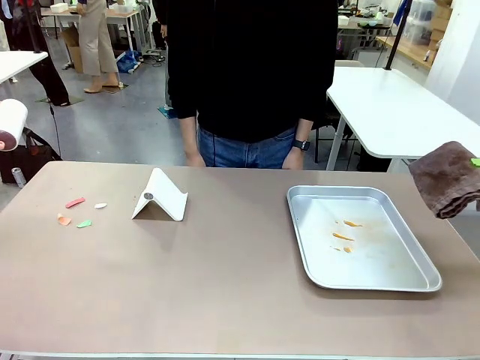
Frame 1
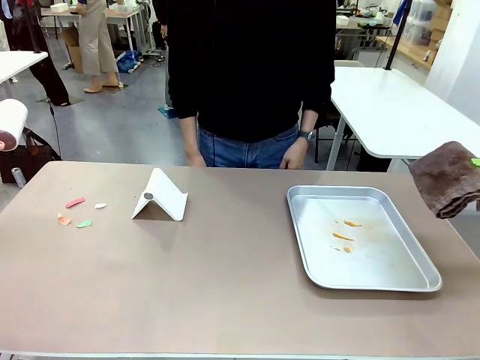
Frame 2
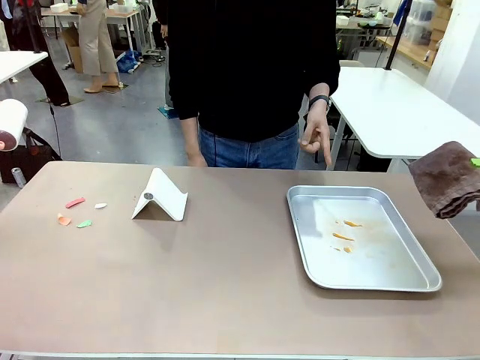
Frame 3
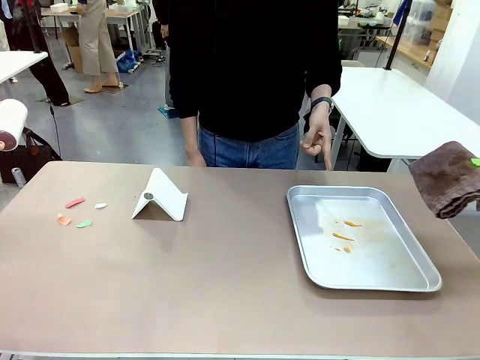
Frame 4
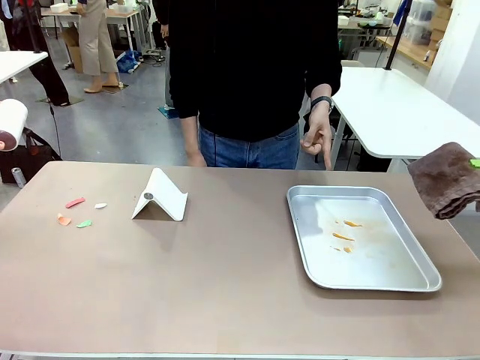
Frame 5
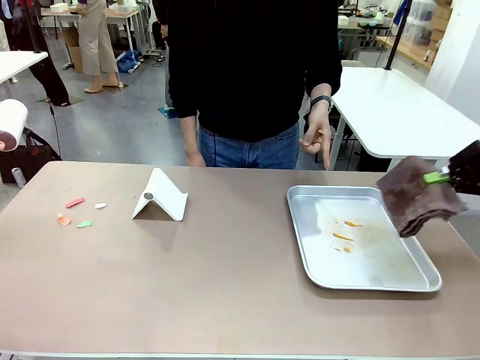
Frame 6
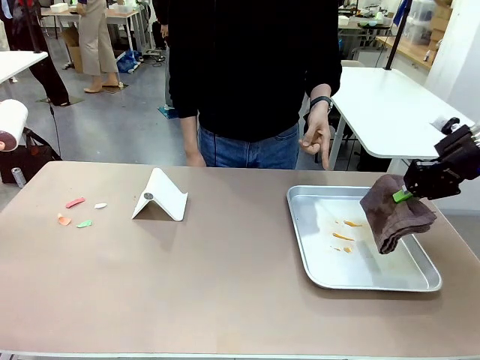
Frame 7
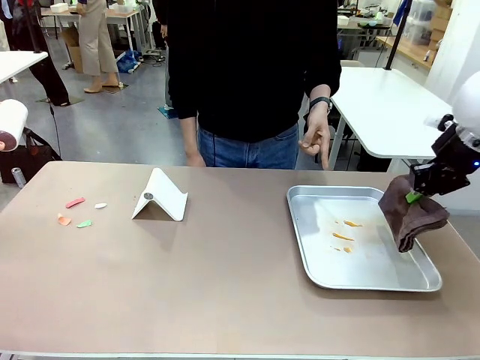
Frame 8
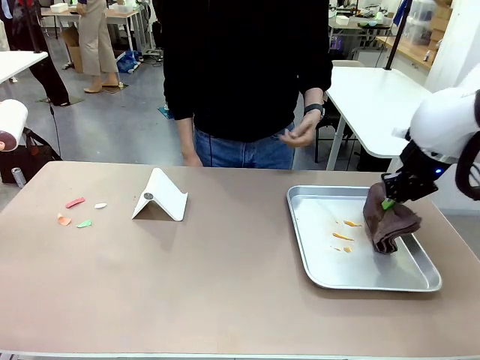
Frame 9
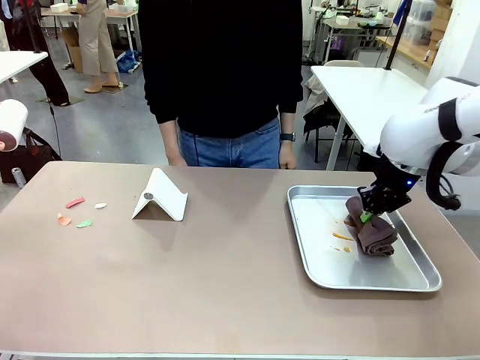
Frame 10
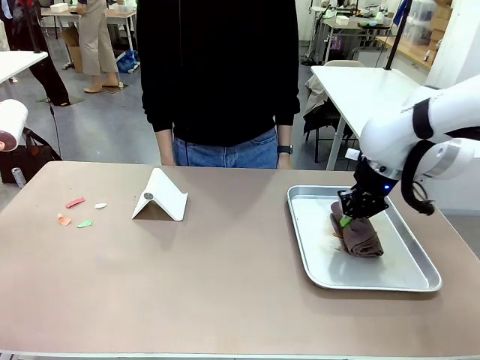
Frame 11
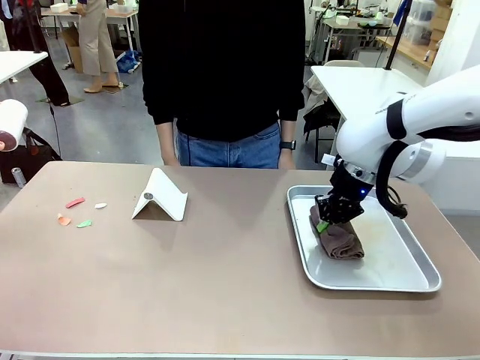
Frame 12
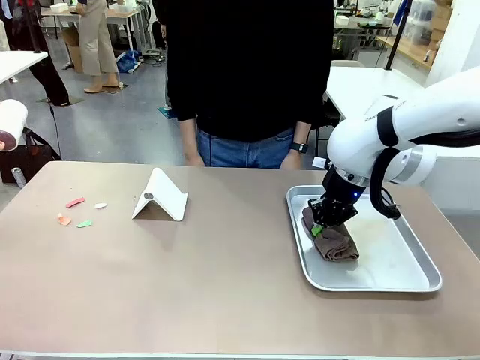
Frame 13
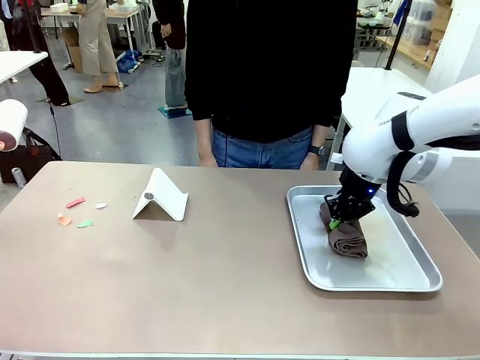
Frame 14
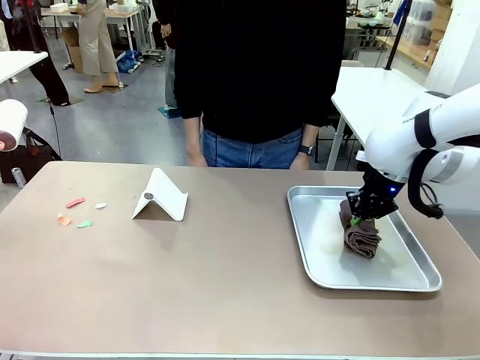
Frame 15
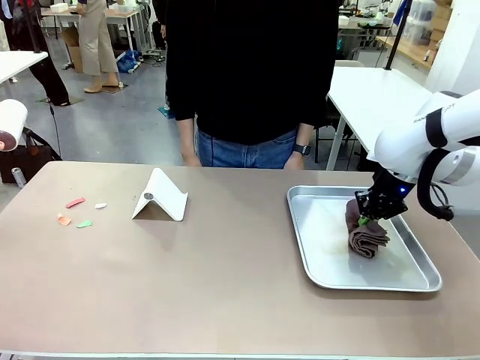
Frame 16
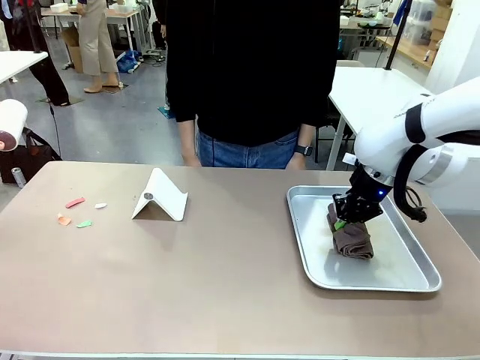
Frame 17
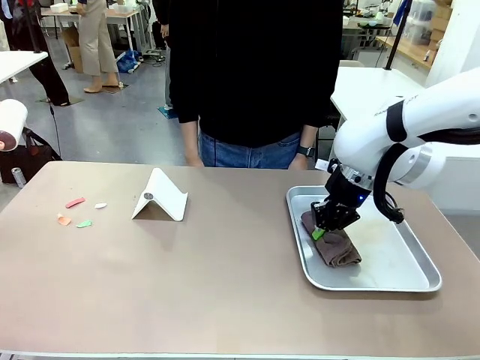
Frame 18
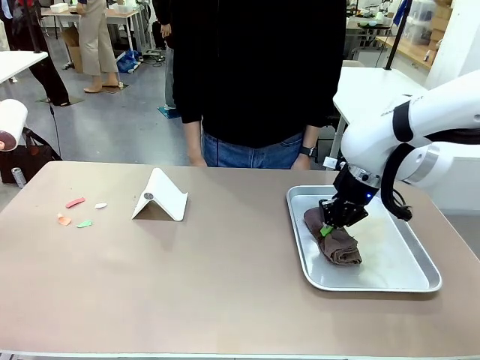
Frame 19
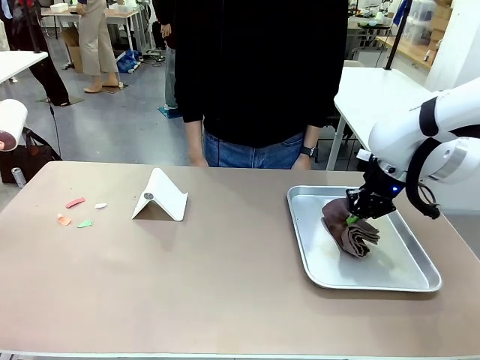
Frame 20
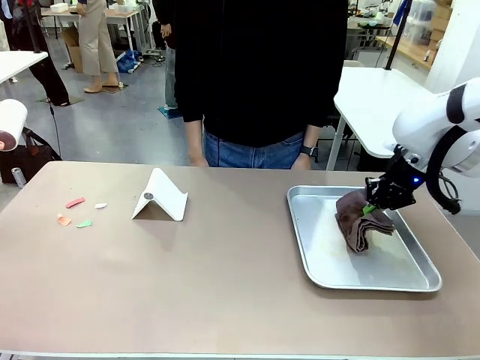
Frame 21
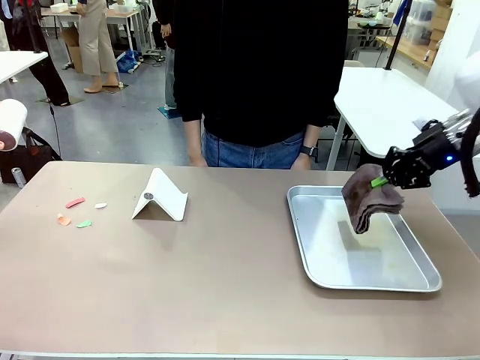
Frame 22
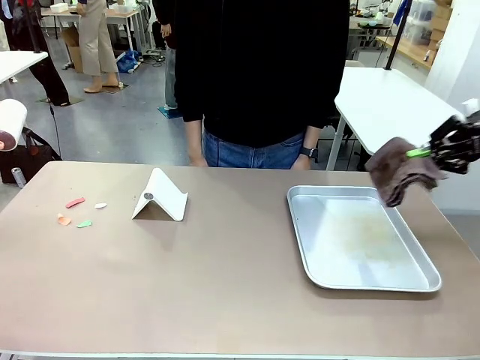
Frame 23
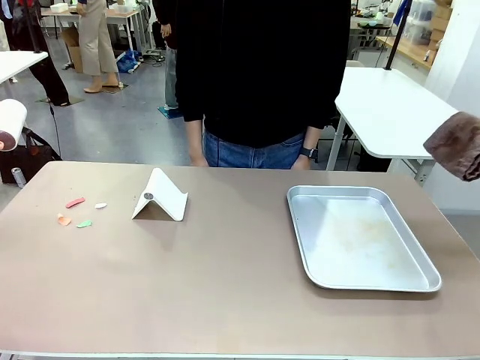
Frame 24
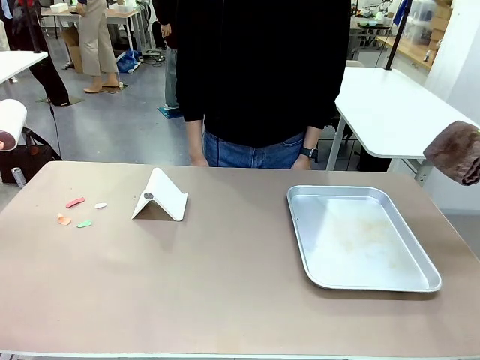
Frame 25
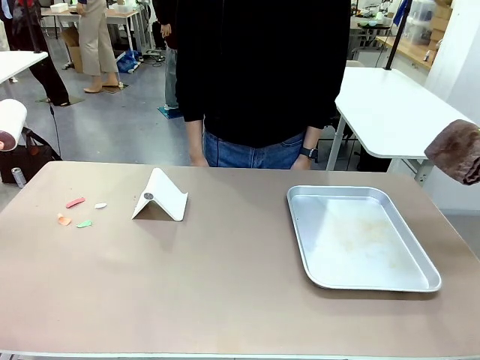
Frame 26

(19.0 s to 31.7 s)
Task: Clean the surface of the table.
Robot: If a person points to the right, clean the right side of the table with your right hand, and if they point to the left, clean the left side with your left hand.

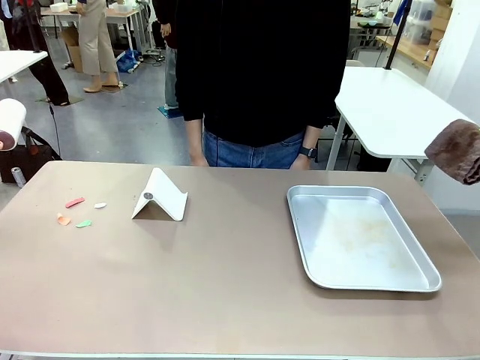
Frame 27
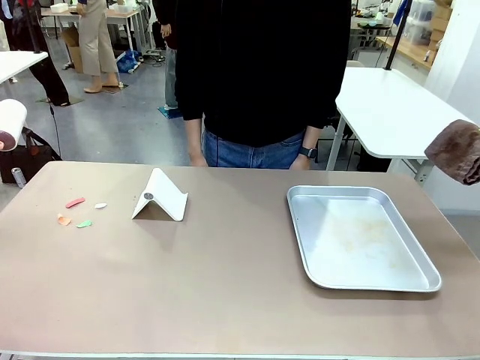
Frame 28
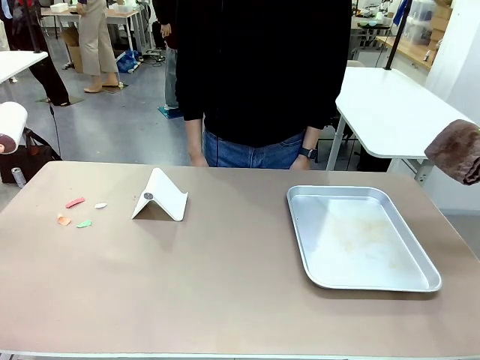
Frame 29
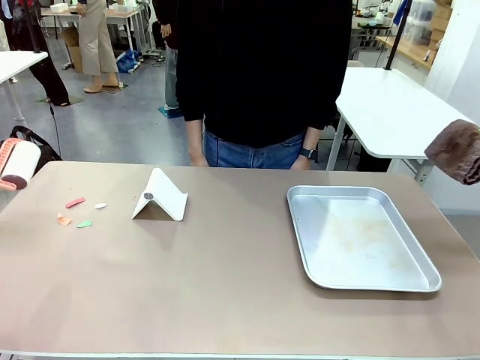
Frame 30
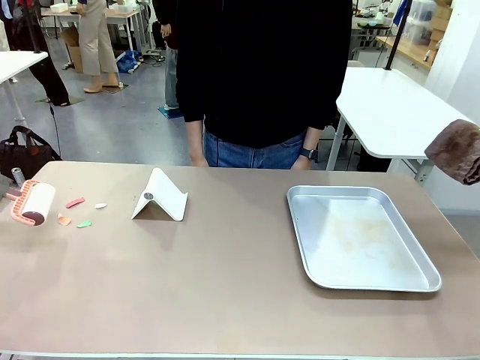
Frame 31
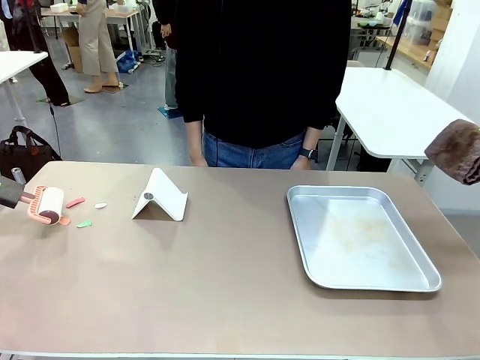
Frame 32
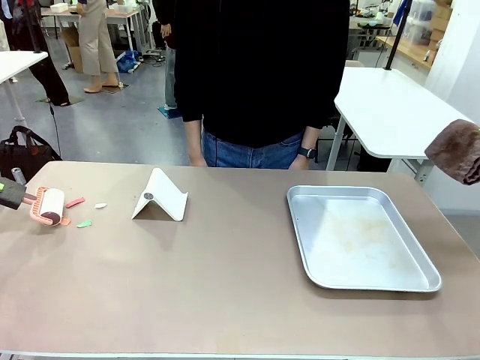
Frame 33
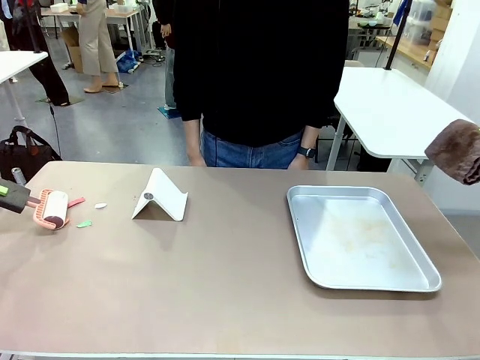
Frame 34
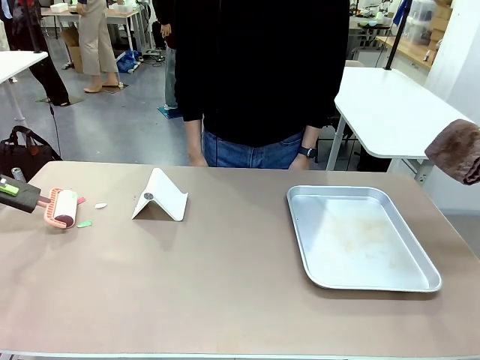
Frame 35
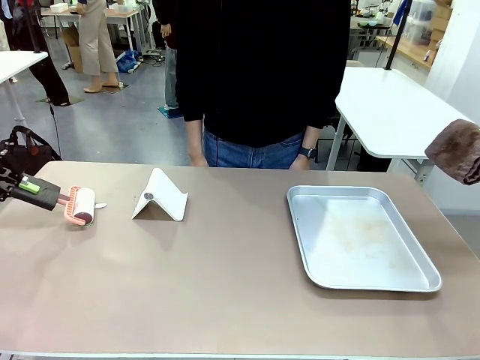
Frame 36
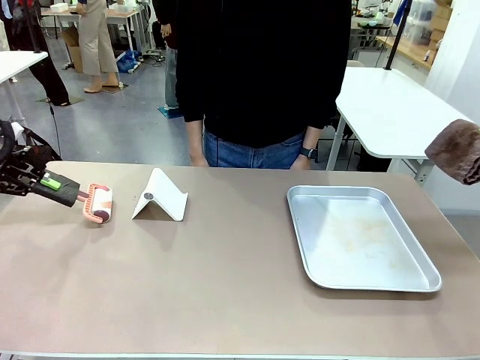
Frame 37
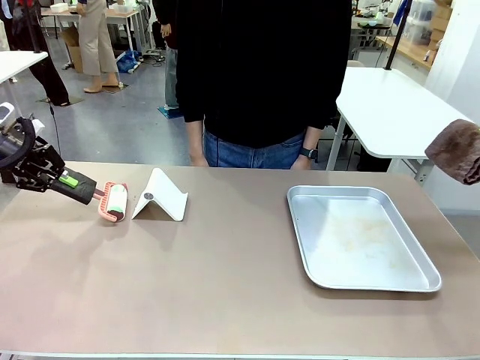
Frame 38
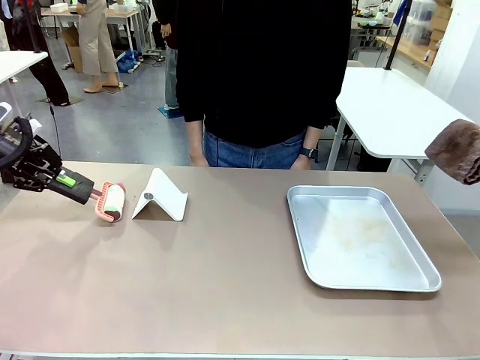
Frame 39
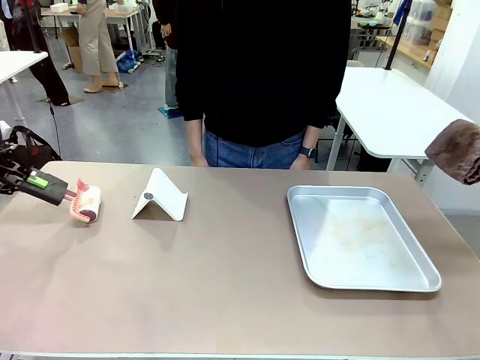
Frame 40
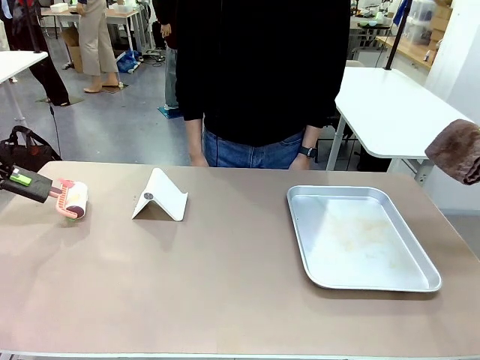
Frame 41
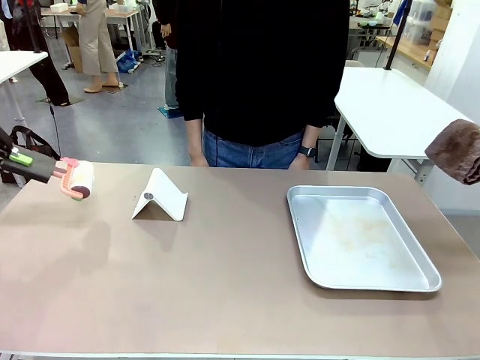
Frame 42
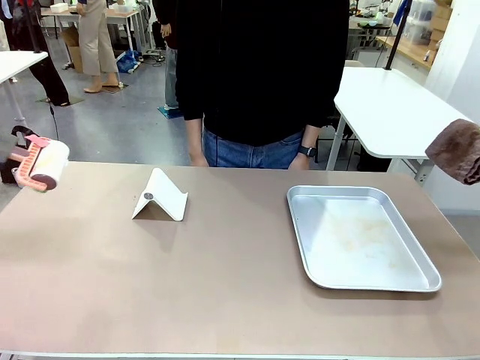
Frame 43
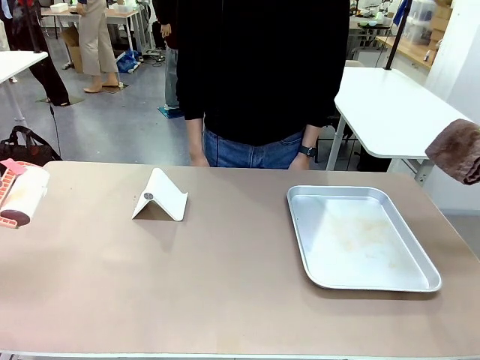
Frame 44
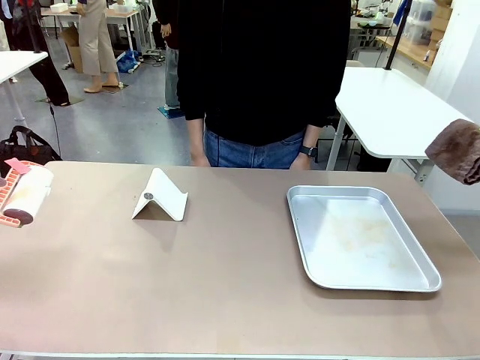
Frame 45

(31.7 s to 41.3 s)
Robot: Clean the area not pointed to by the person.

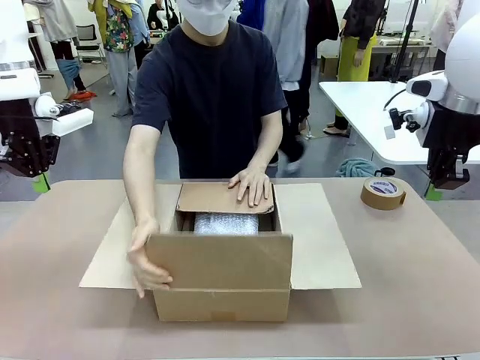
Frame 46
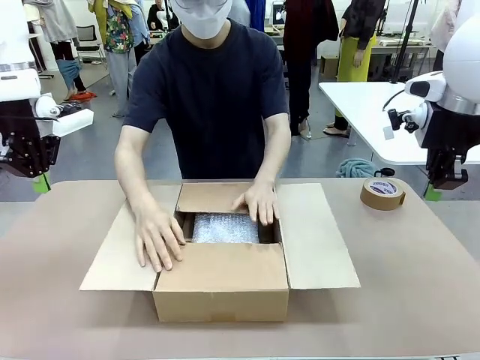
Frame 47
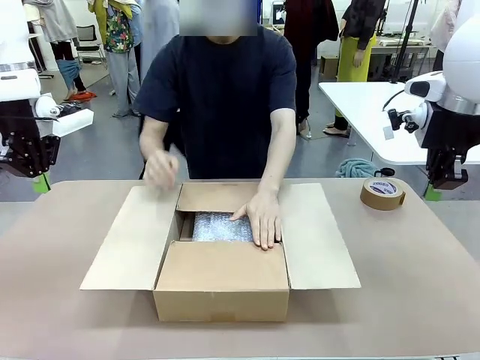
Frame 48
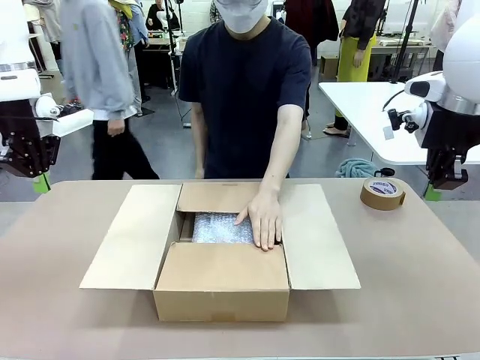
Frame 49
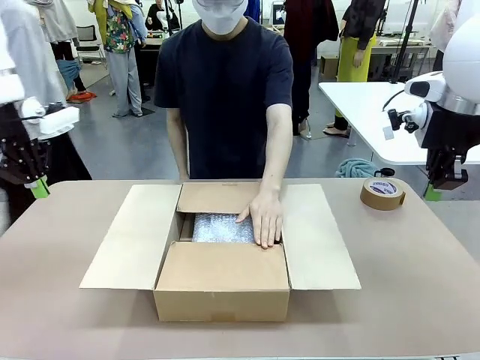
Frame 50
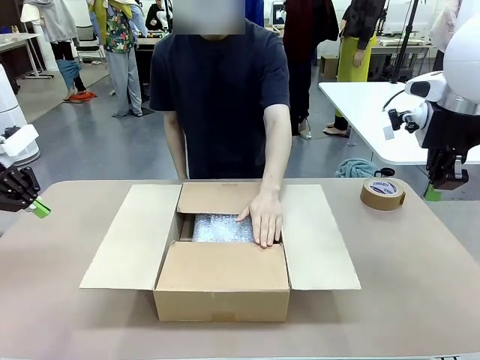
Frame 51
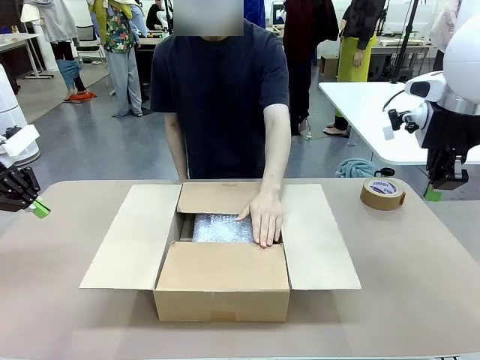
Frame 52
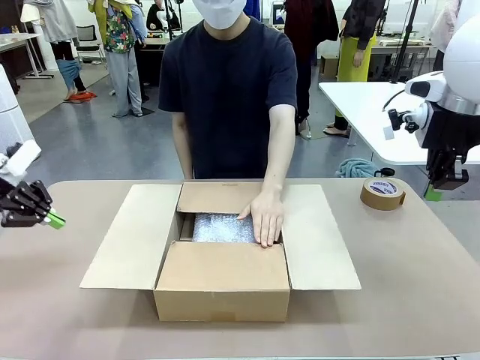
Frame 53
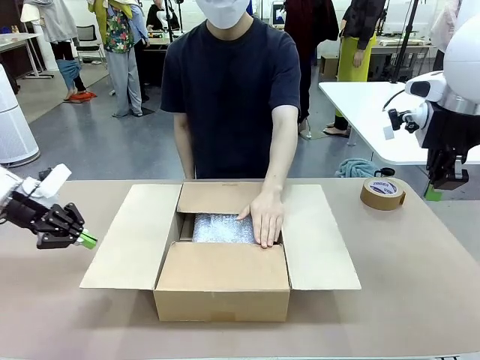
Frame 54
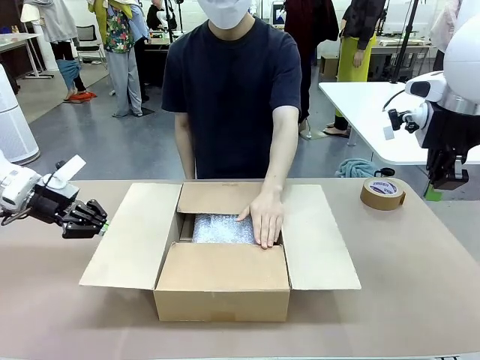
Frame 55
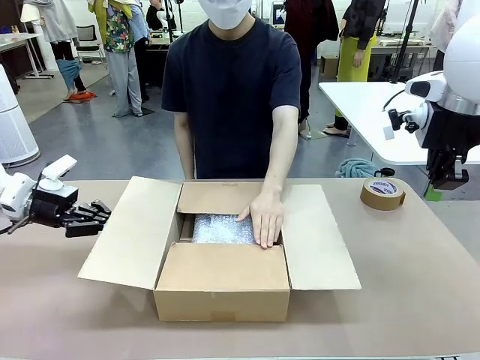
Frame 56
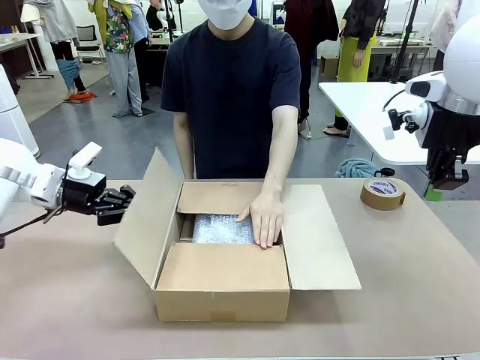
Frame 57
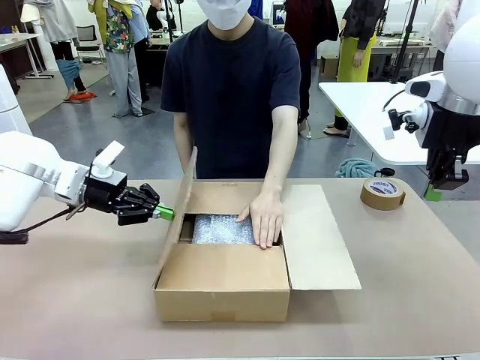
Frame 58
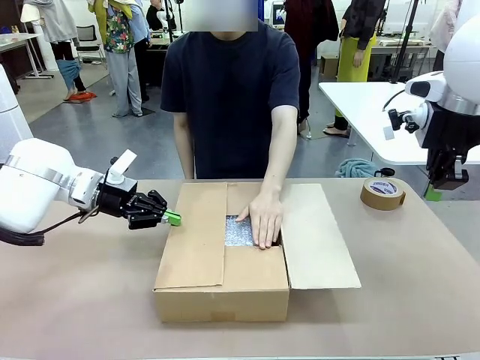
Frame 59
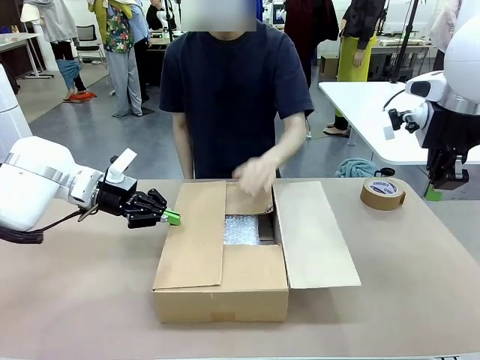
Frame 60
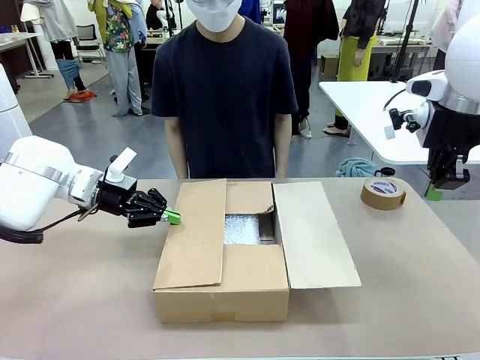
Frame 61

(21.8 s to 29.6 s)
Task: Wrap the clocks to prevent damage.
Robot: Push the right (or left) flap of the Package Box to close it.
Person: Once the robot closes the right flap of the Package Box , release your left hand from the box.
